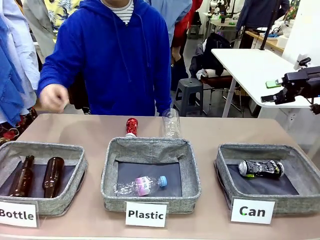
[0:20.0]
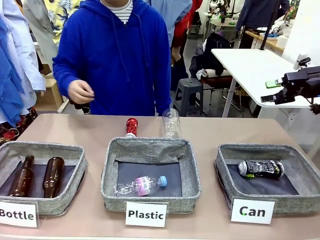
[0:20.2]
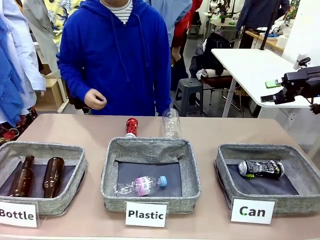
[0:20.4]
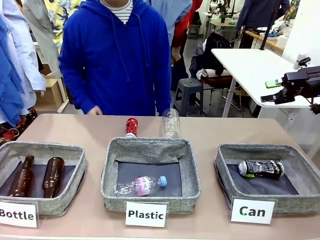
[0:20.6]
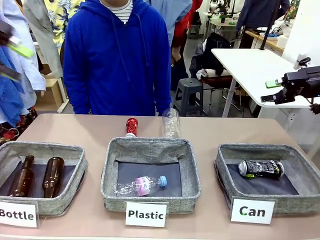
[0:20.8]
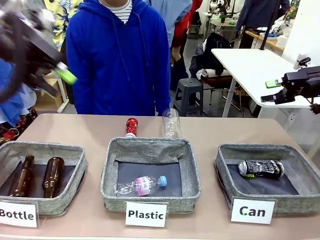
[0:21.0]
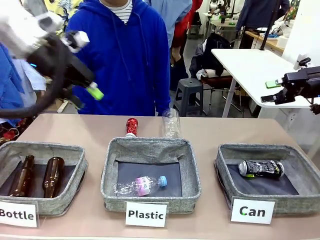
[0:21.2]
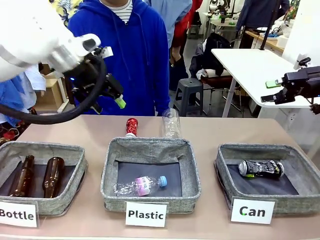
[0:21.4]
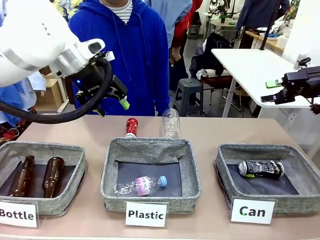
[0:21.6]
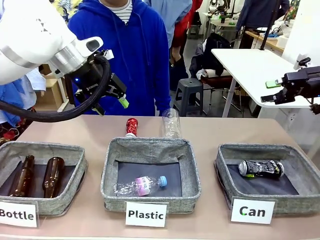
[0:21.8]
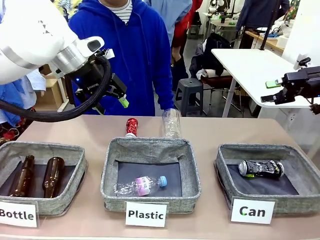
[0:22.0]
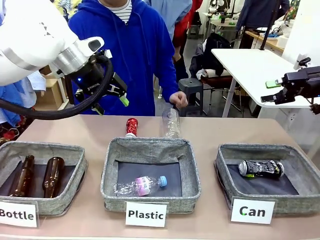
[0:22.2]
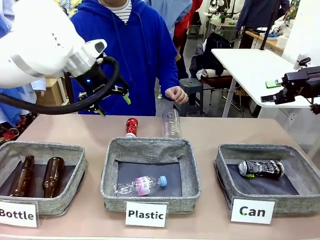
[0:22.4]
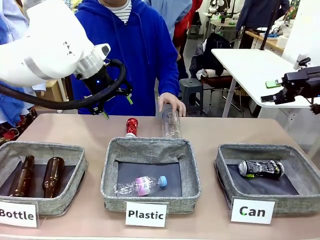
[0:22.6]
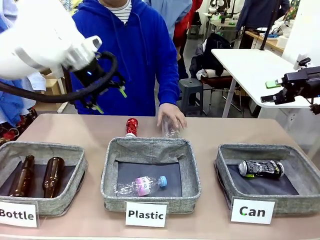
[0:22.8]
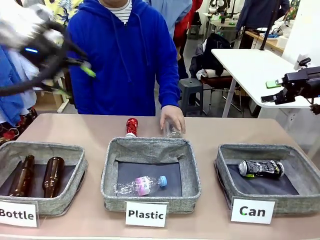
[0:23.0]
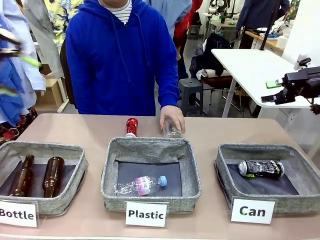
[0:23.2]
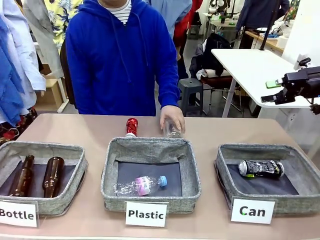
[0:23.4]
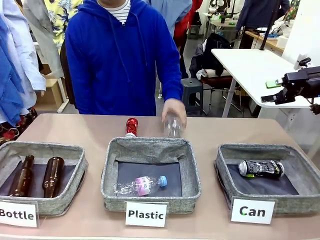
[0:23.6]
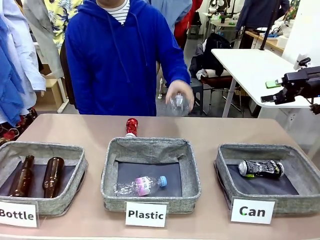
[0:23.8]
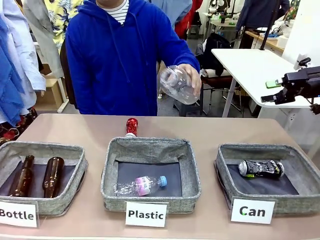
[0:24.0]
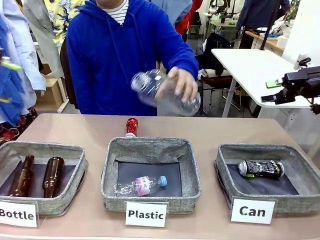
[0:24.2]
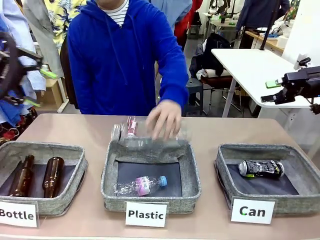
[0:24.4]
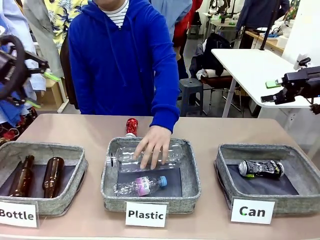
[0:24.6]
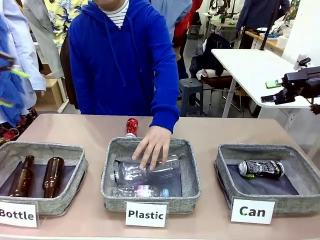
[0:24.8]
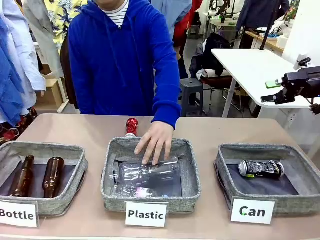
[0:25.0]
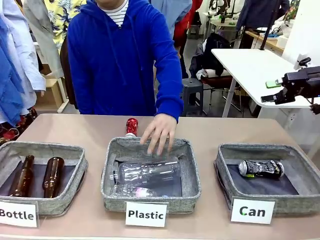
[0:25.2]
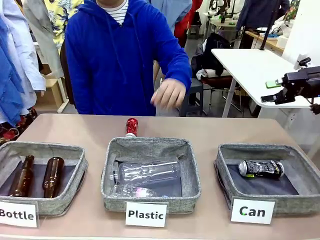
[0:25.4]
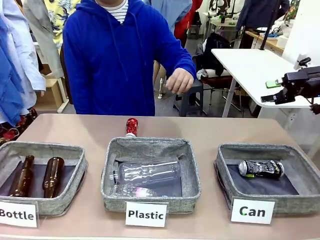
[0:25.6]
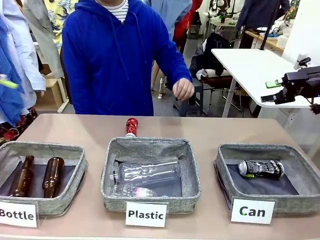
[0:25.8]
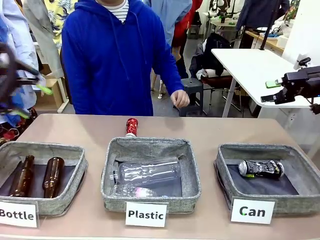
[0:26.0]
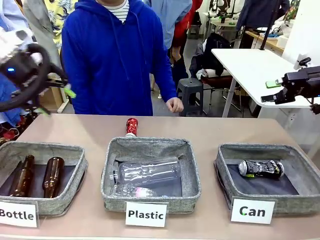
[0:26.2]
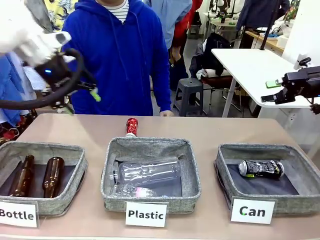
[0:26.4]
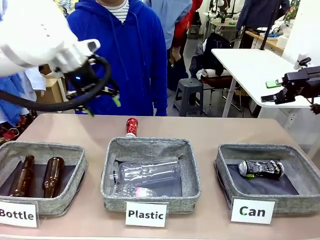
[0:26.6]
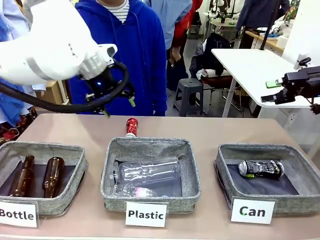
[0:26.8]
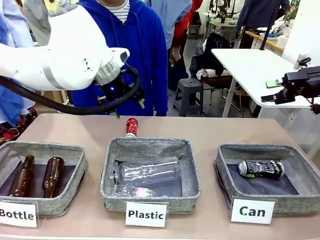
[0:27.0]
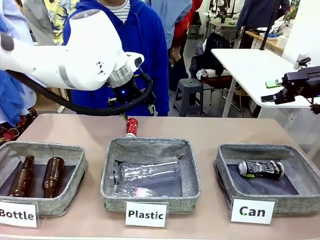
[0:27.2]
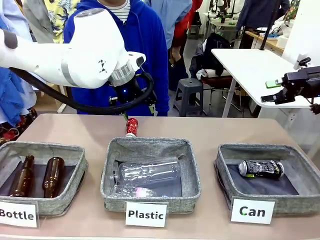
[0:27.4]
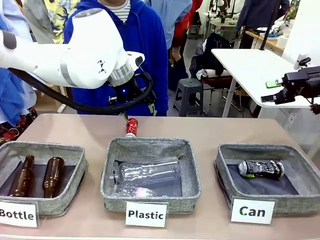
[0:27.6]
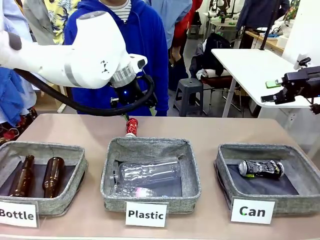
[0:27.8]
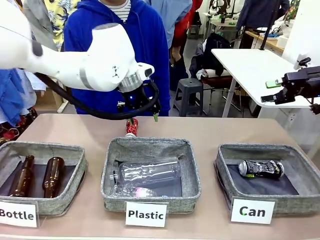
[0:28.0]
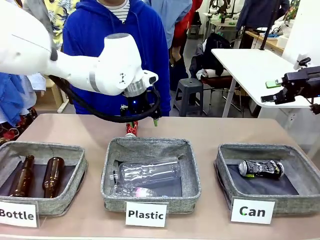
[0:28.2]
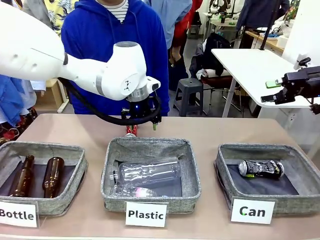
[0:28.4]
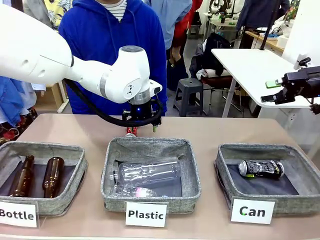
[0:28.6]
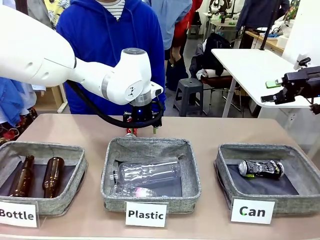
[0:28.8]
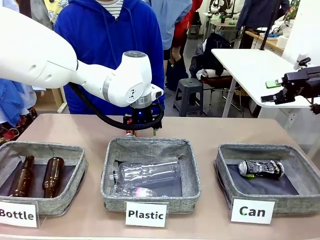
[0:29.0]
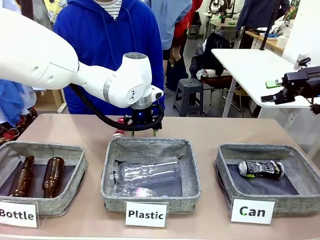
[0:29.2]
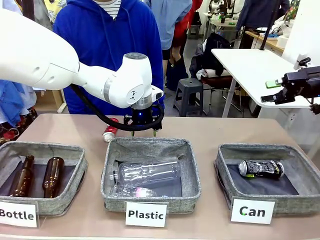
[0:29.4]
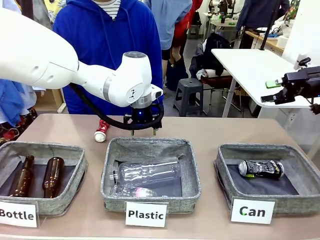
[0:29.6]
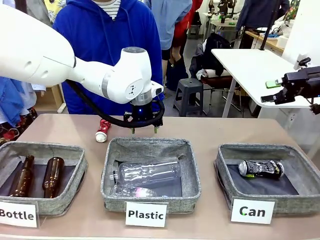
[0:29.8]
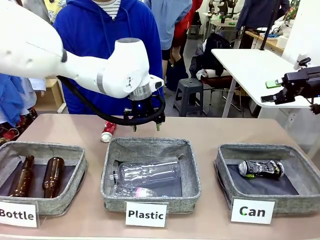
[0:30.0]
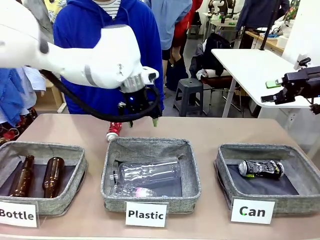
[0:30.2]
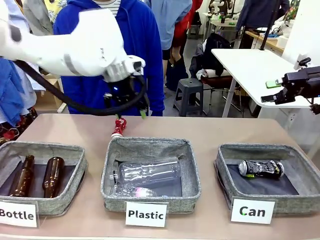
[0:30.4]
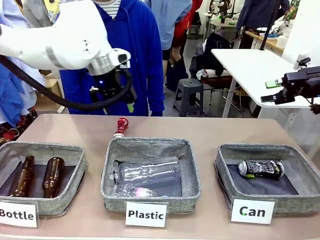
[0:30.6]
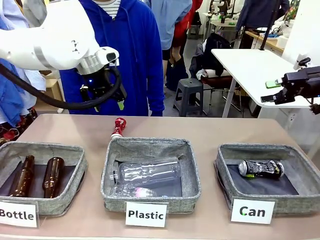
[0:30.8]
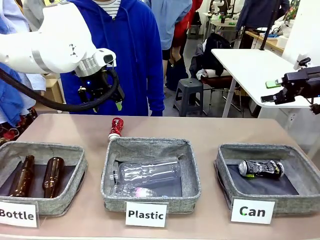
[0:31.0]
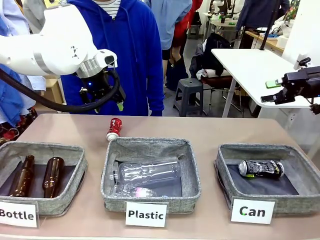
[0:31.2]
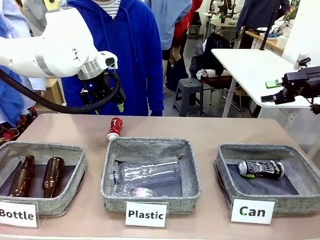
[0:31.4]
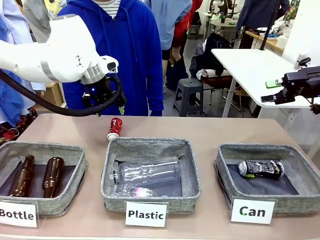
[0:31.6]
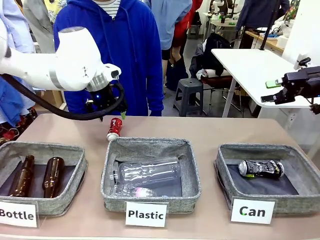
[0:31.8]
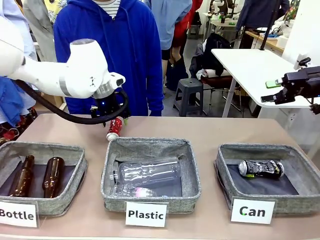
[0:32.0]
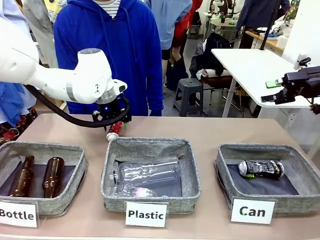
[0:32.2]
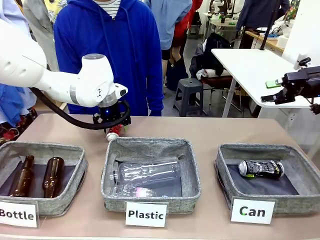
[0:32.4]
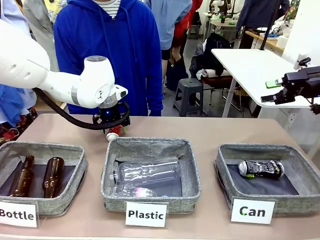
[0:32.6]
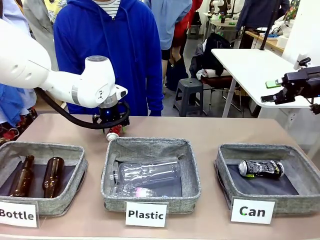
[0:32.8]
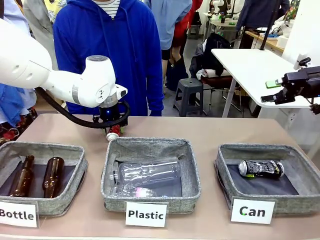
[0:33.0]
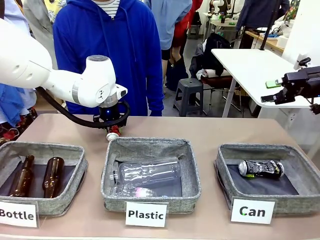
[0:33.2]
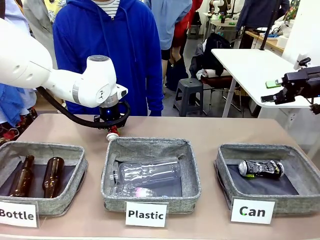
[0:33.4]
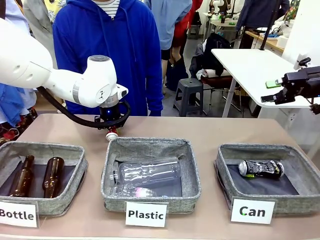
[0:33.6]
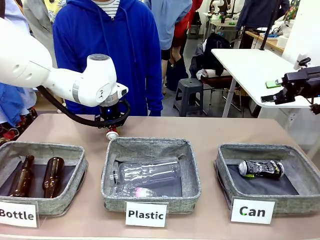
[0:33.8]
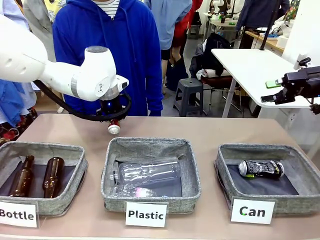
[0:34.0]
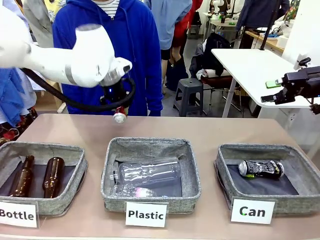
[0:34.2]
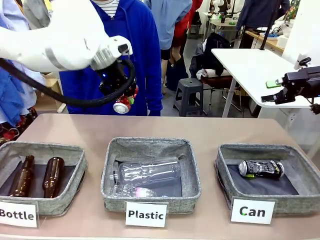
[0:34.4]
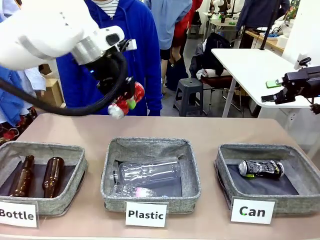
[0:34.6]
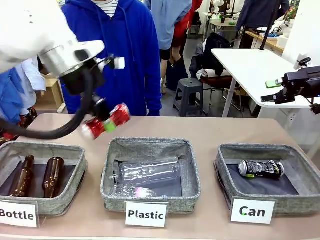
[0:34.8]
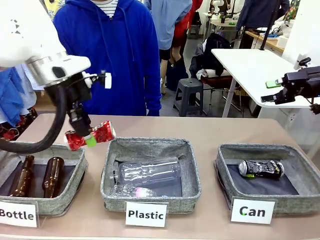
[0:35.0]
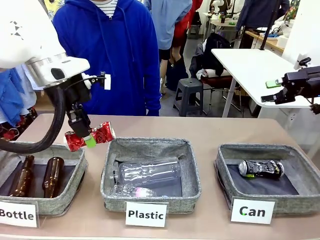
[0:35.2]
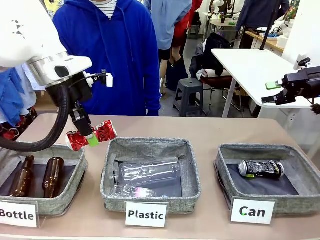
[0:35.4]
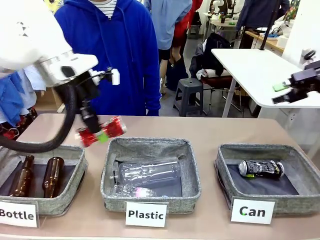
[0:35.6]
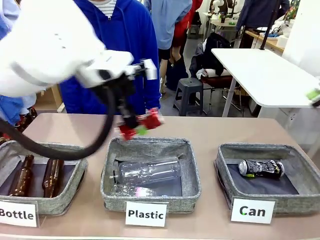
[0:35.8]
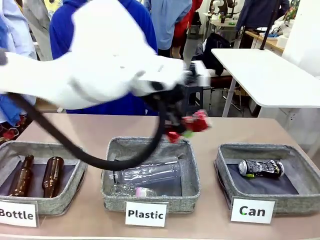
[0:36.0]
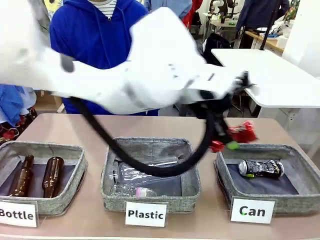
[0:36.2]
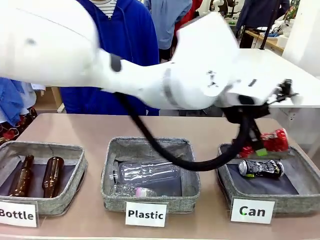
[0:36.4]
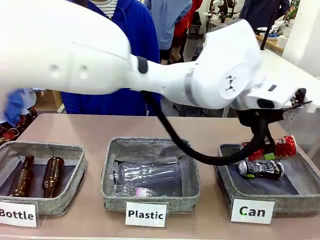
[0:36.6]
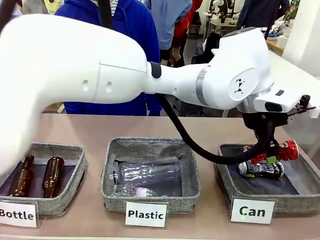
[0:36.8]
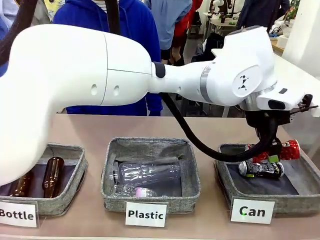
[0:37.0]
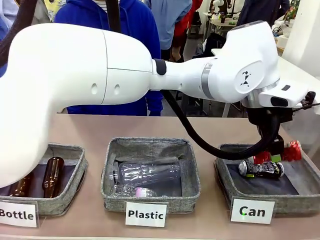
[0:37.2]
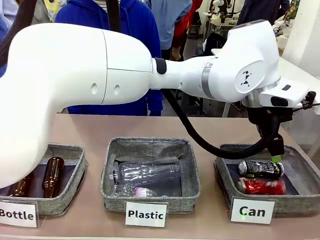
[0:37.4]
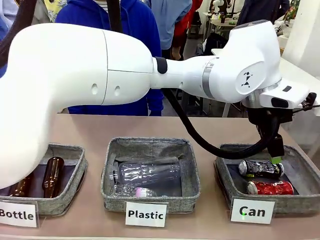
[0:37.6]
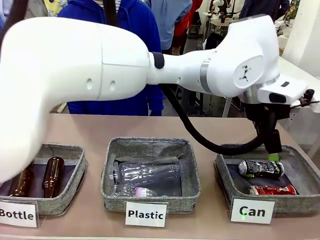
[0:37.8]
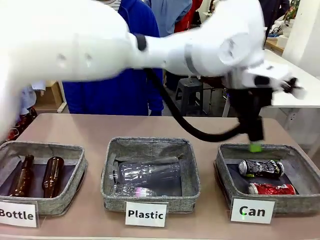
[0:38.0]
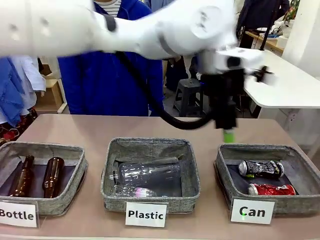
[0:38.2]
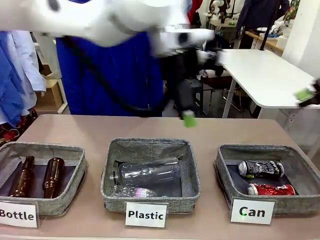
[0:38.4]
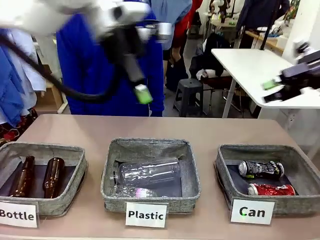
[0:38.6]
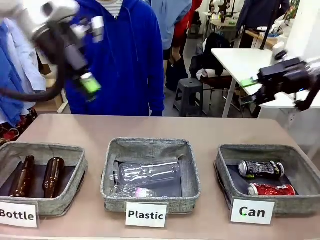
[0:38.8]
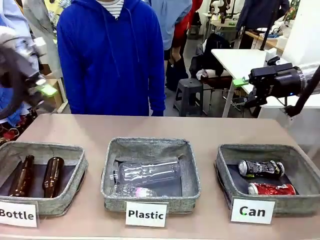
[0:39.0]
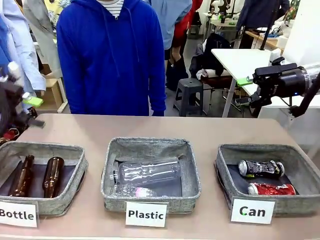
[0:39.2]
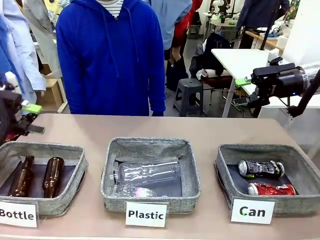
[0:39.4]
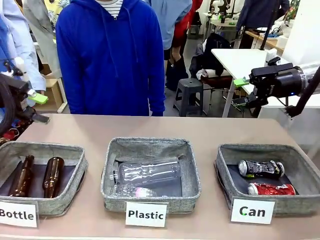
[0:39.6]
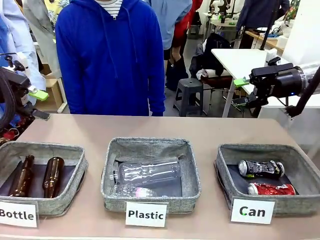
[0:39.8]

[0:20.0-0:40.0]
Task: Sort the can waste into the basket.
Robot: Pick up the can waste from the table and place it in the right Fabric basket.
